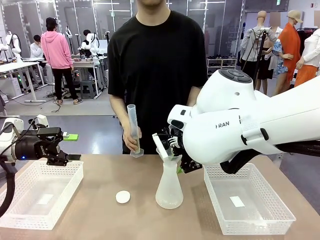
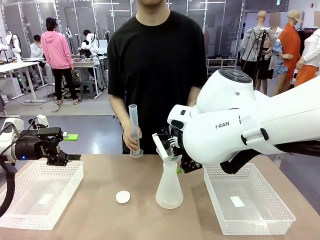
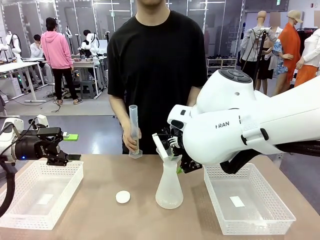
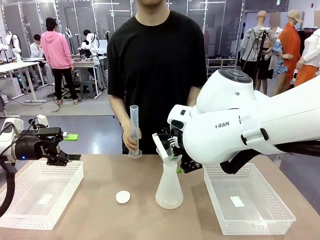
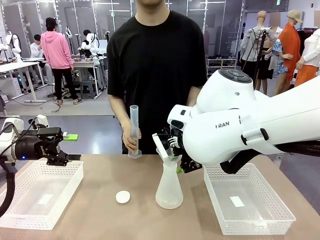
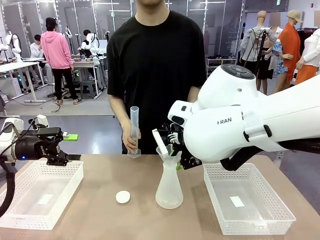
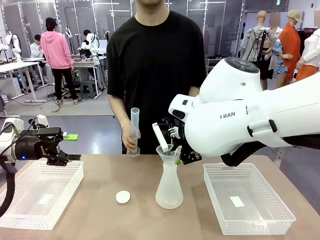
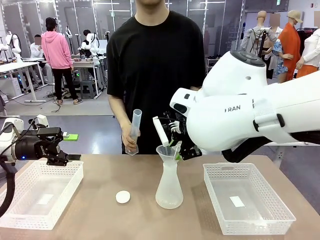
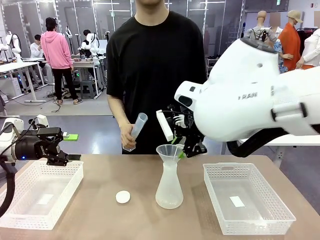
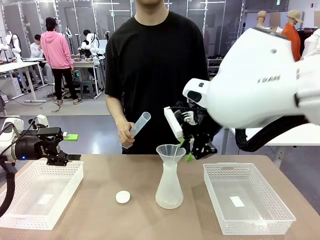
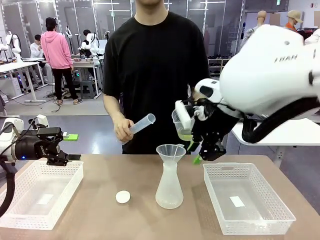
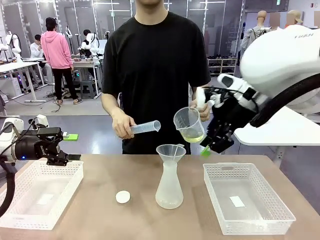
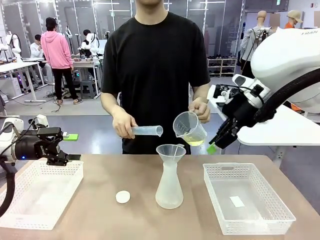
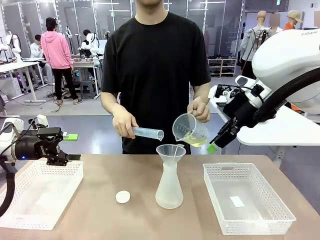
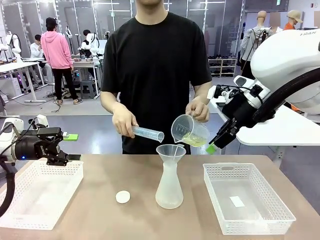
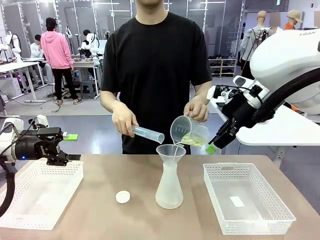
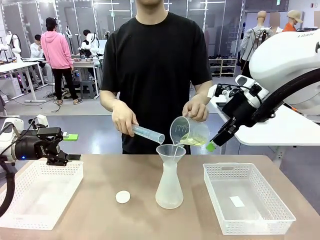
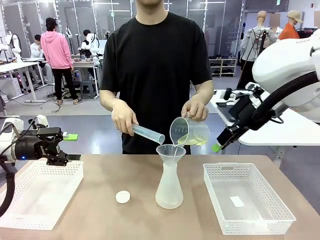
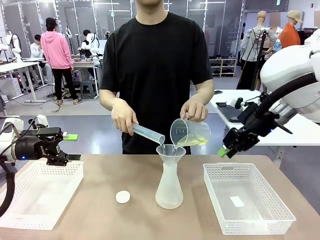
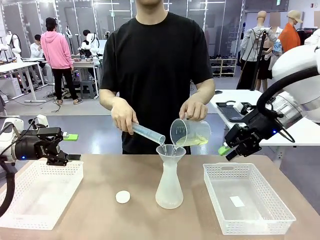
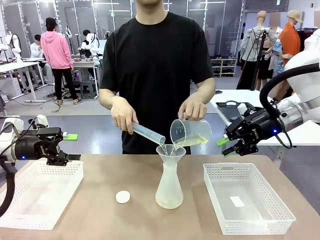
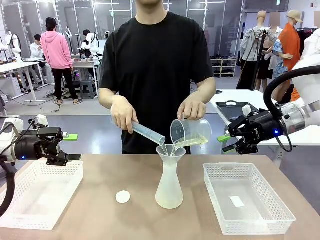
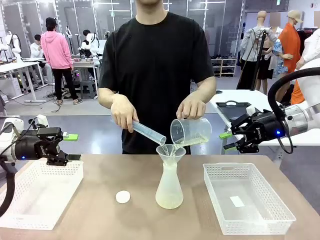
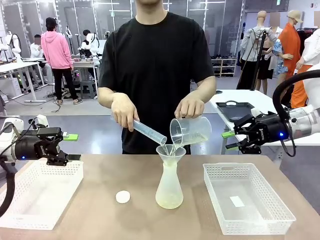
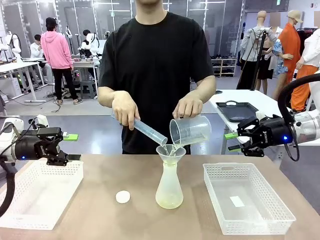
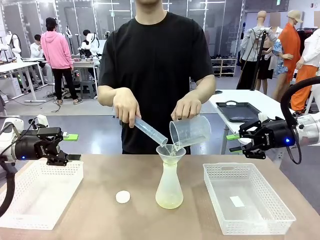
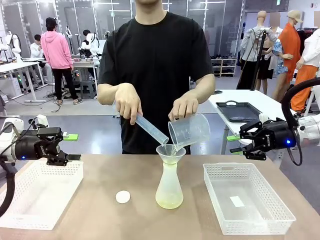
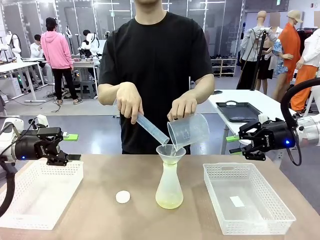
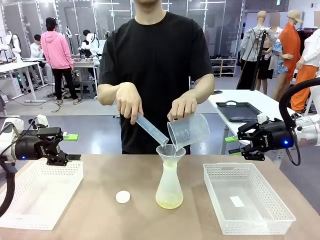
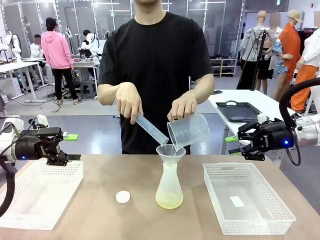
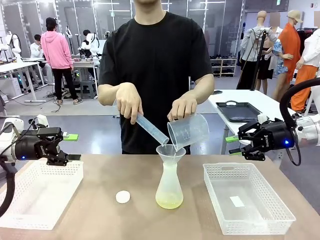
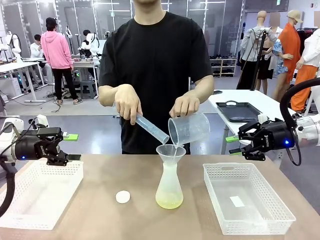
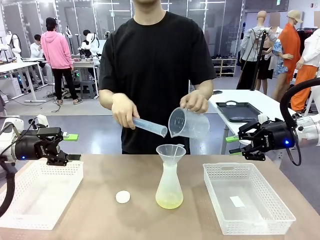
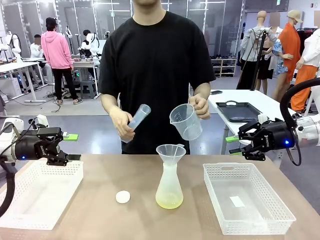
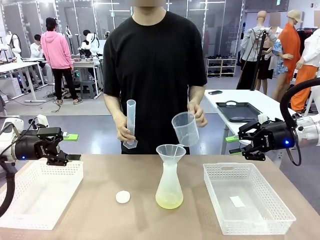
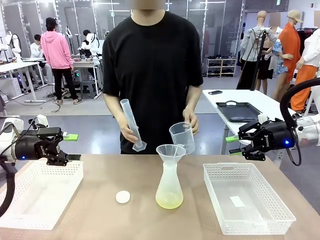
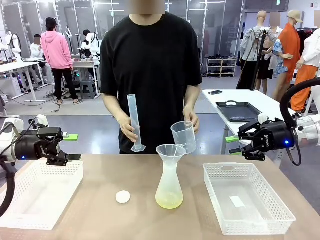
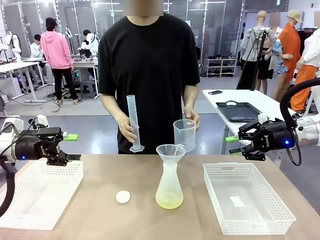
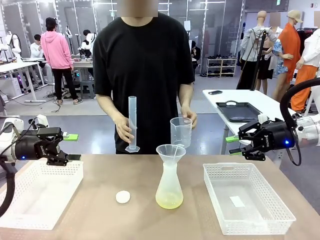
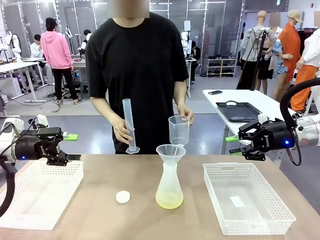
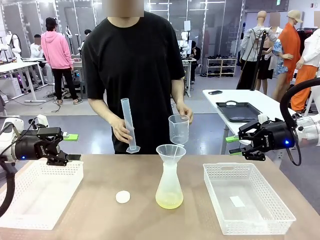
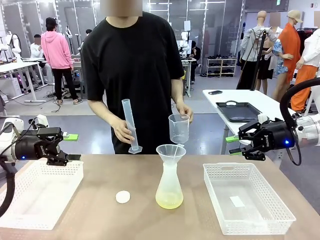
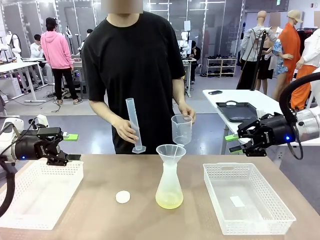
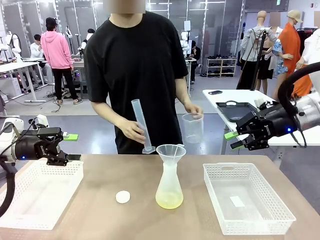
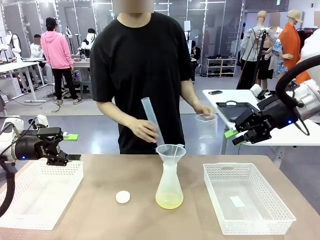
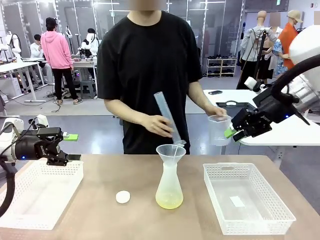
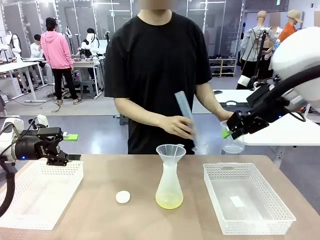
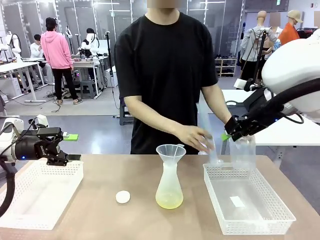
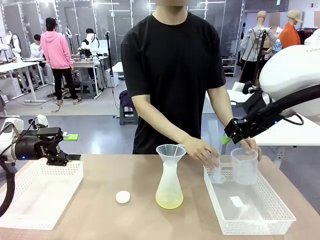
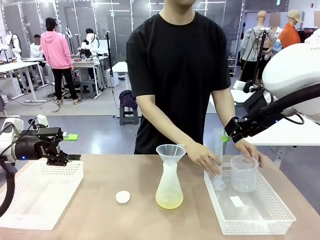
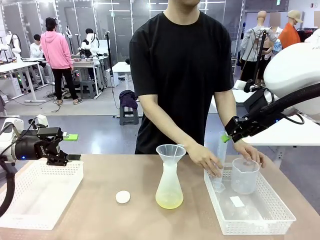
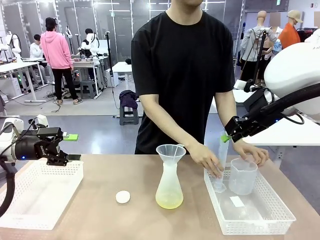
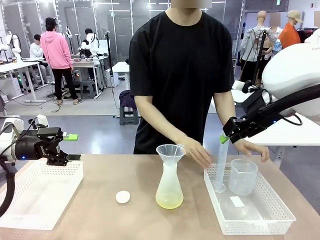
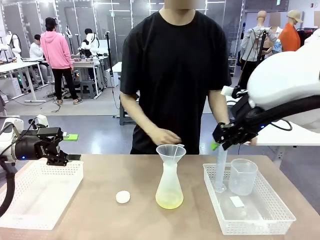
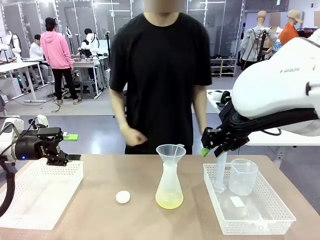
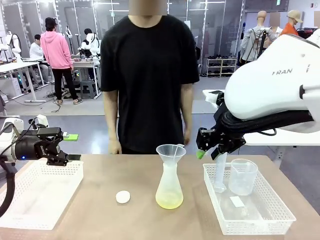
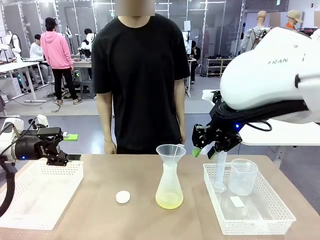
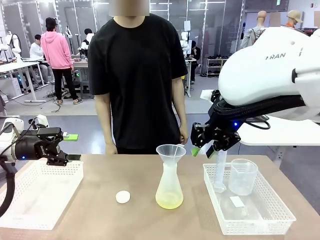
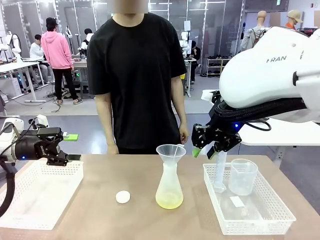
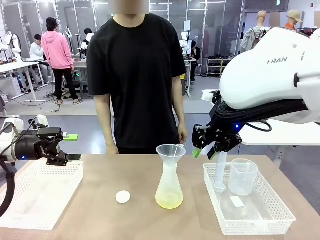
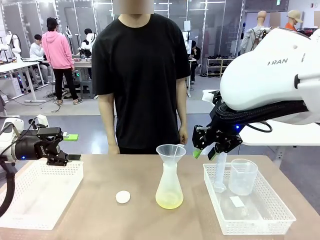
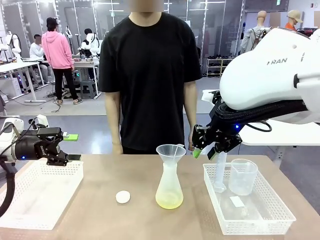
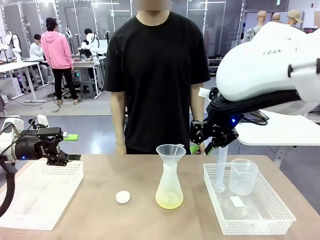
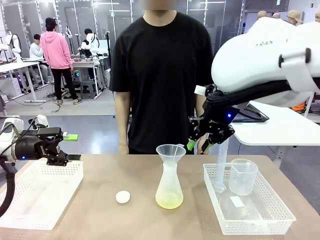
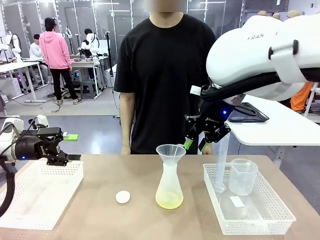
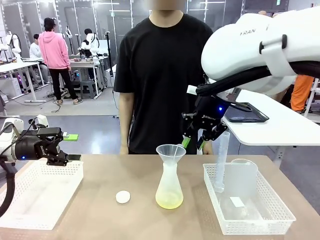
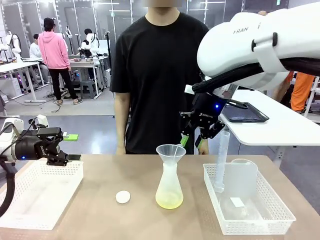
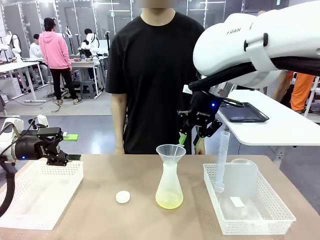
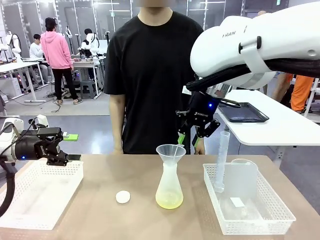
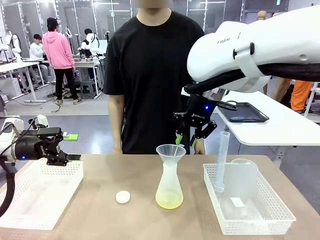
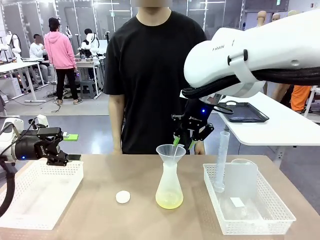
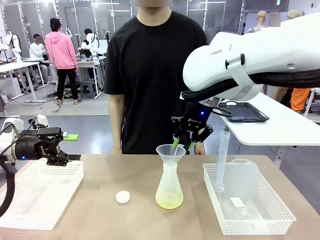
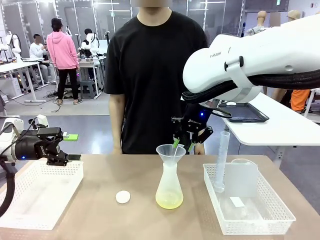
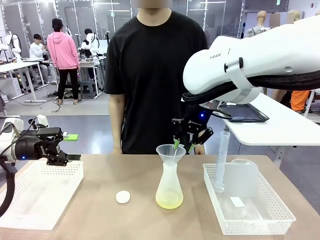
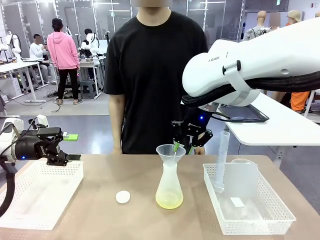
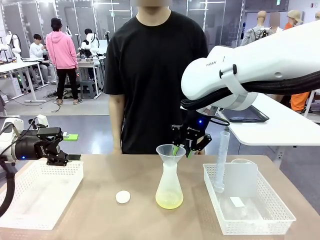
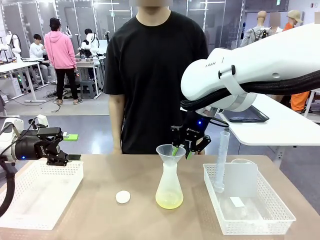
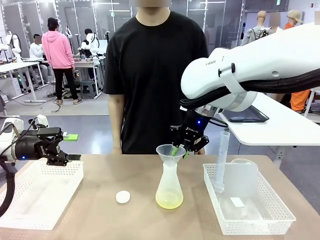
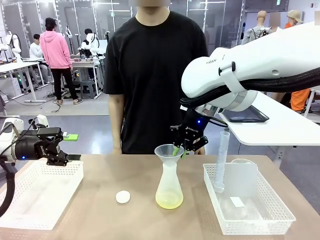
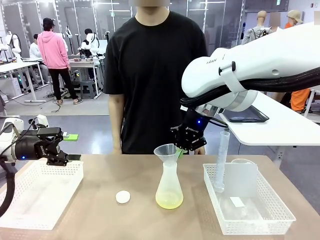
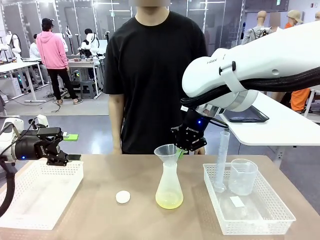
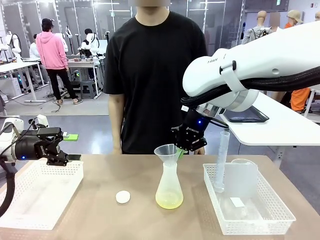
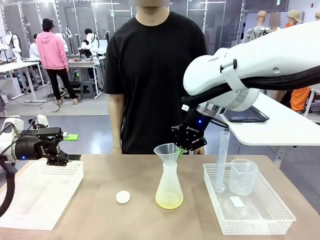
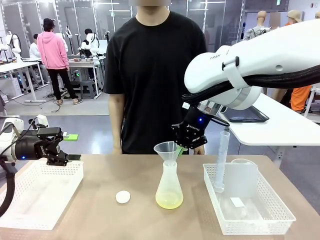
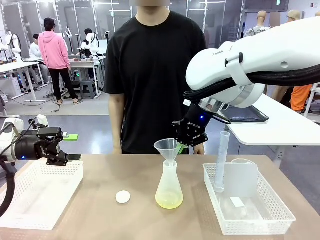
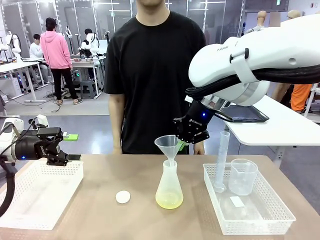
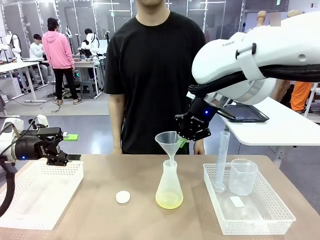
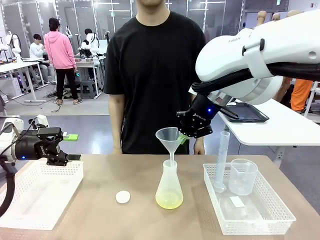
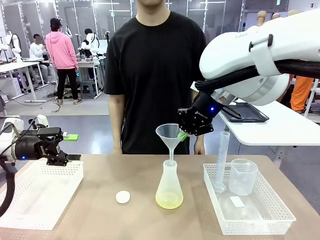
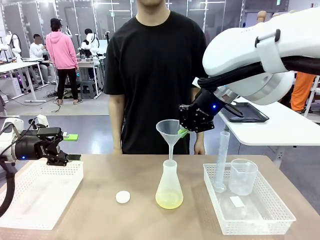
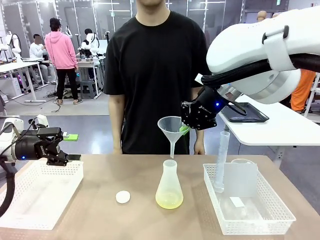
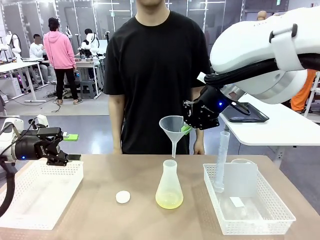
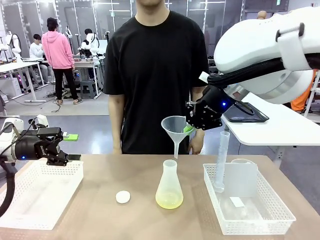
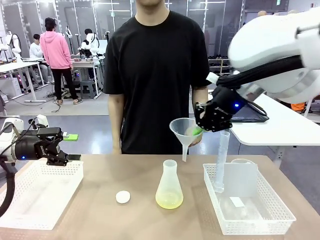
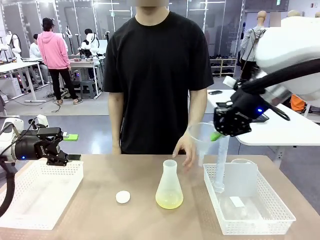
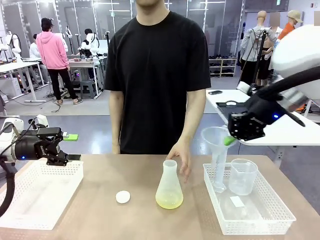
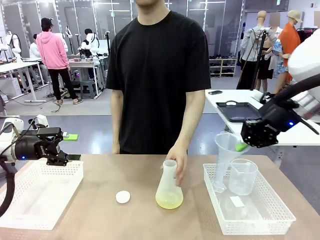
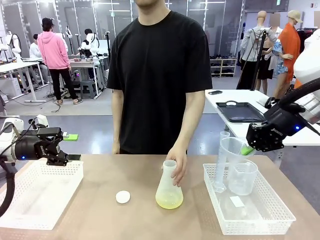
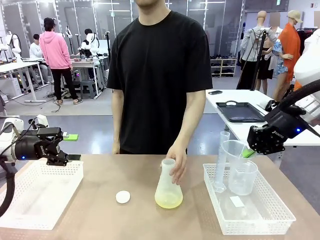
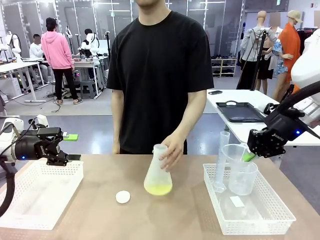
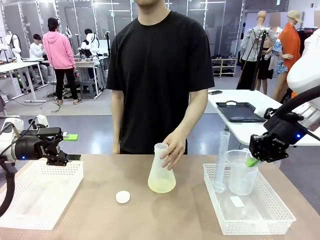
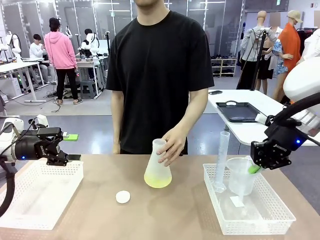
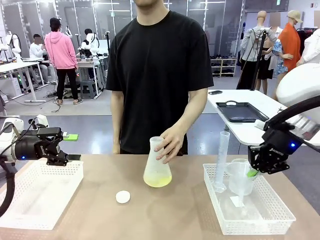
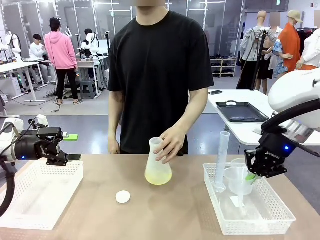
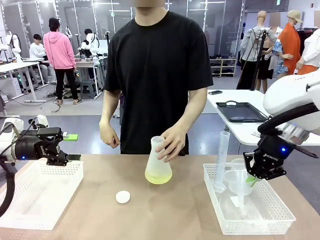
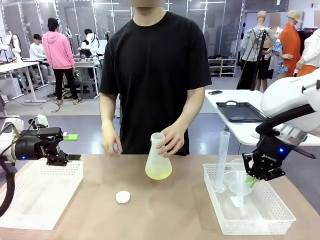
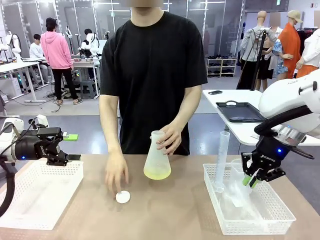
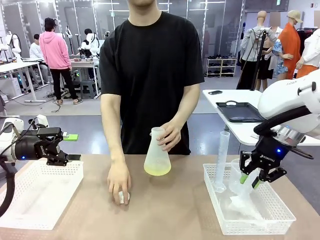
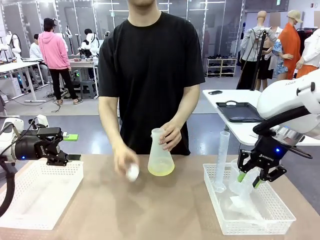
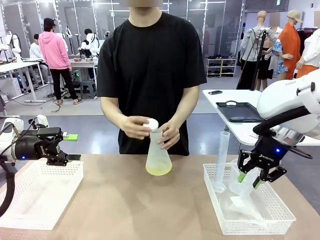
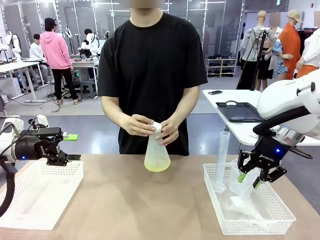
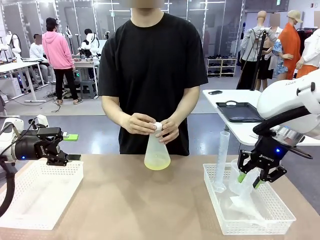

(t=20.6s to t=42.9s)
Task: Prepare the solutions needed for the experiment.
Robot: Once the solution is in the Big flask , pick up the Plastic Funnel and place it back into the right Organizing basket.
Person: Place the beaker and the cylinder into the organizing basket on the left side. Pick up the flask, gently shake it 2–3 times, place it in the middle of the robot table, and close the lid.
